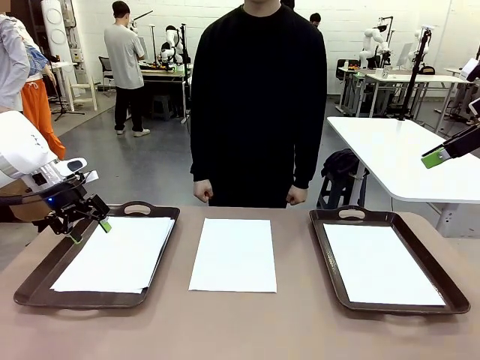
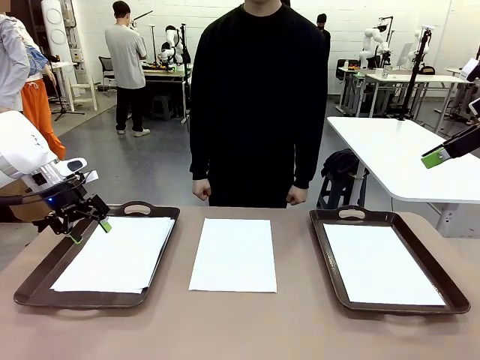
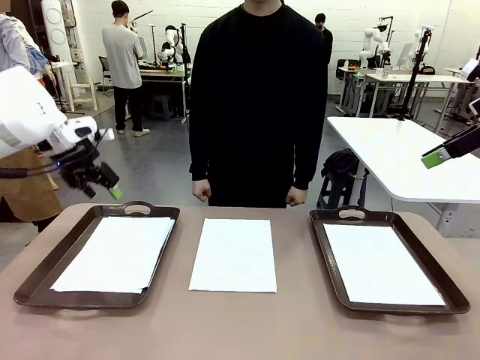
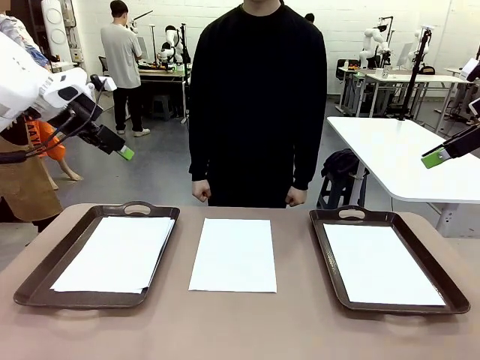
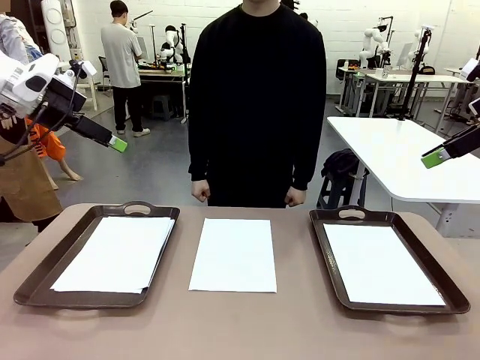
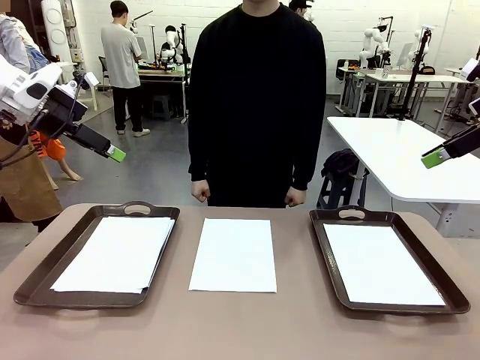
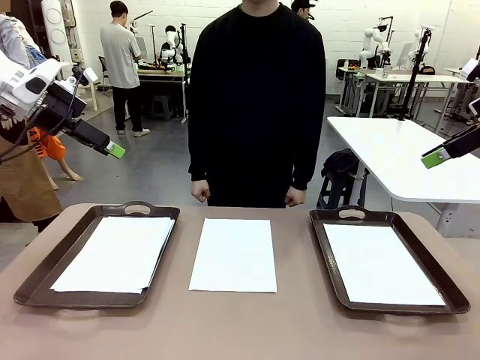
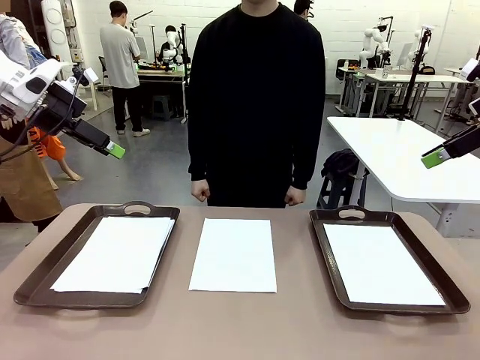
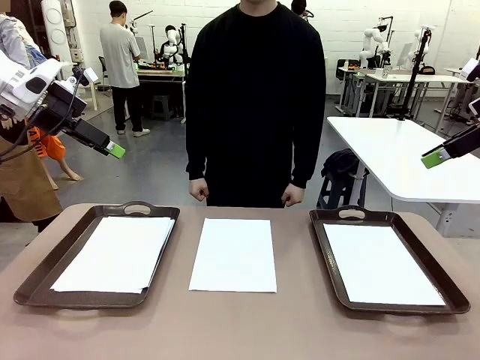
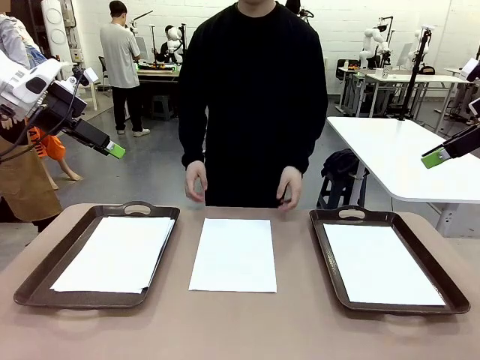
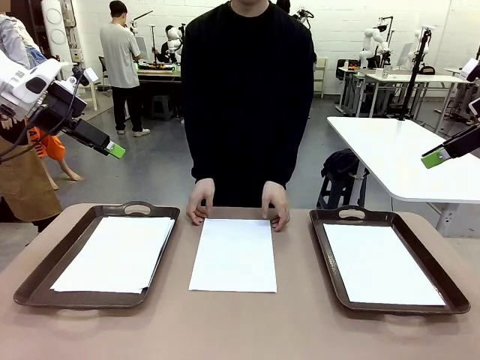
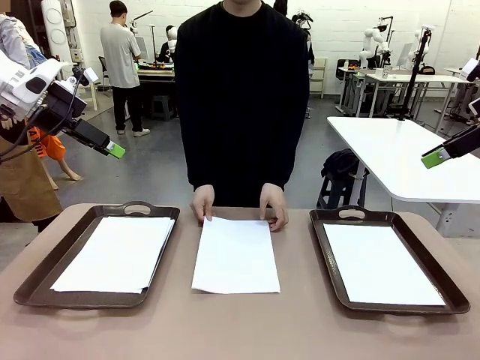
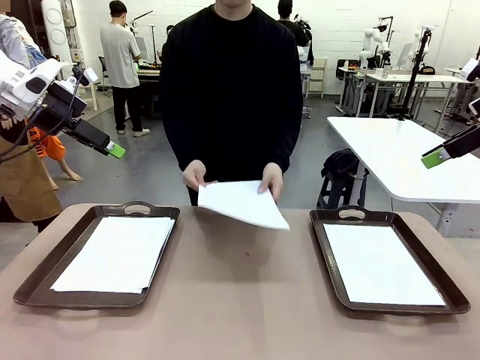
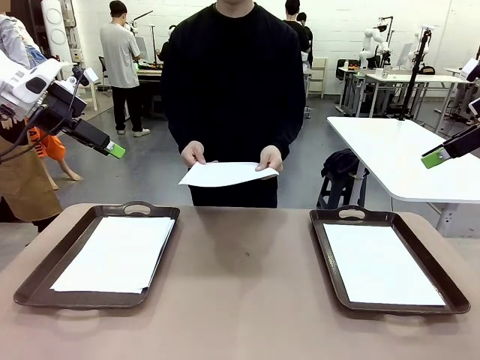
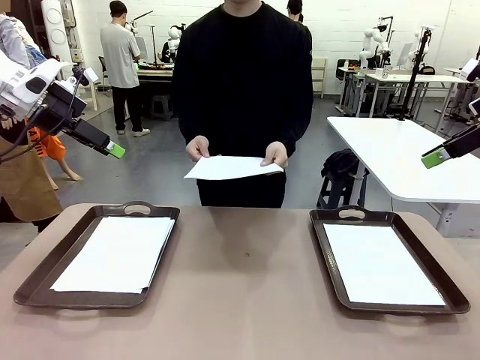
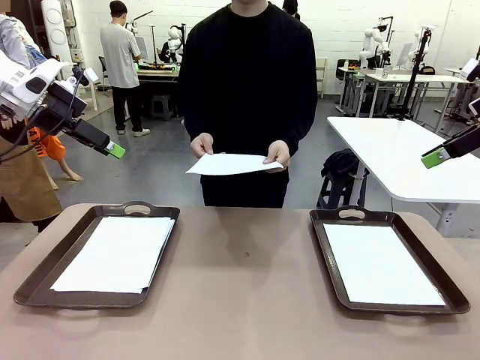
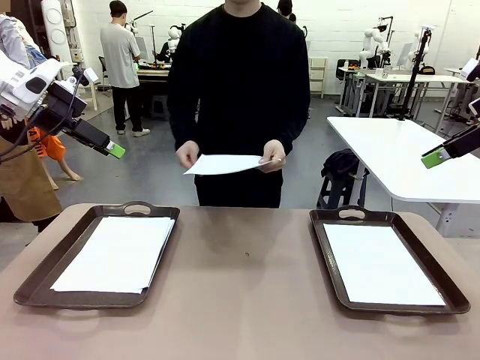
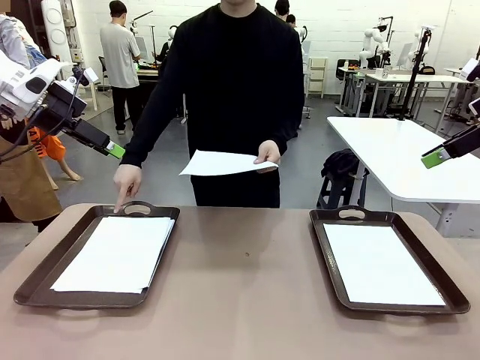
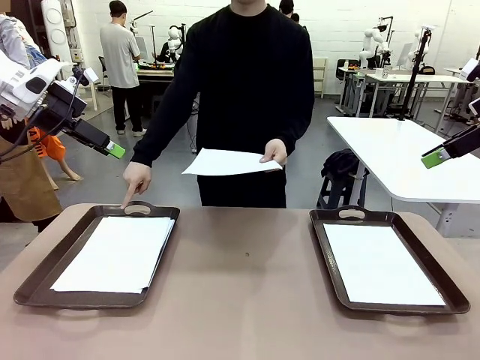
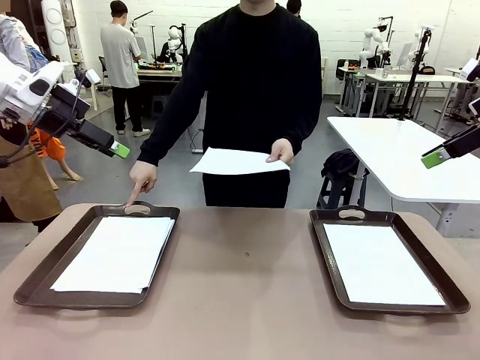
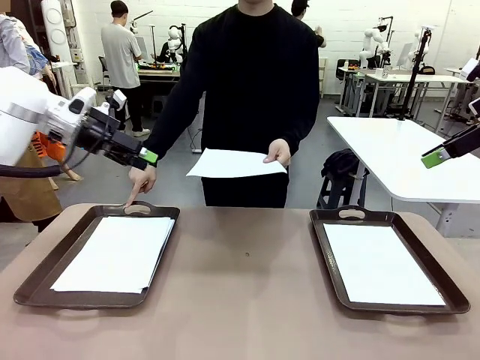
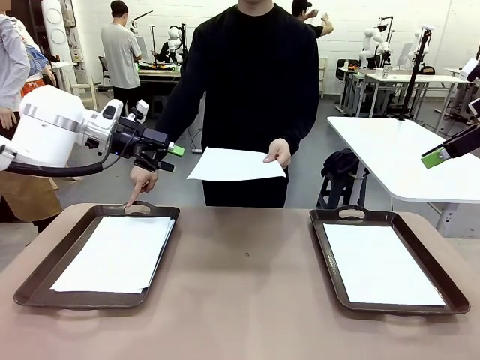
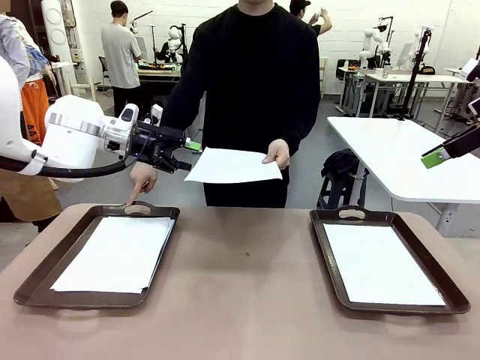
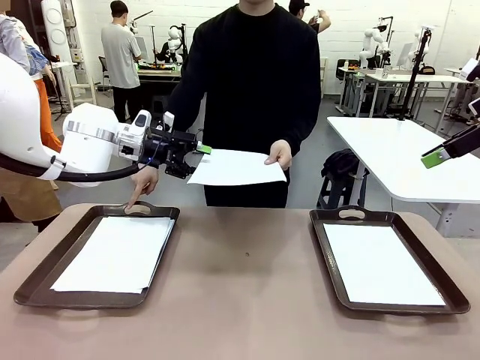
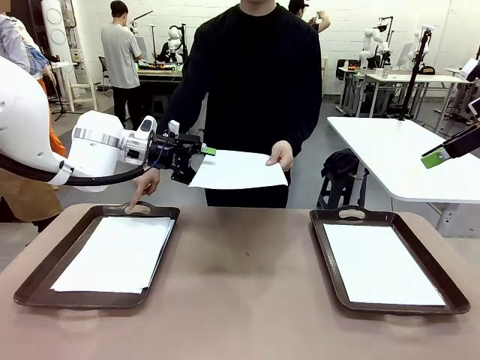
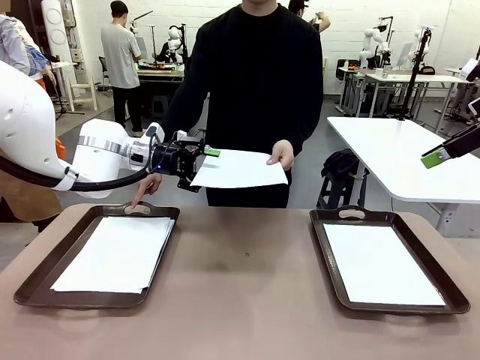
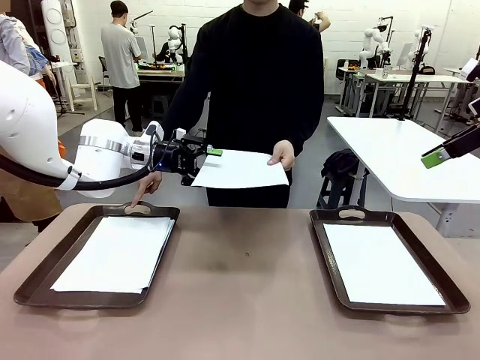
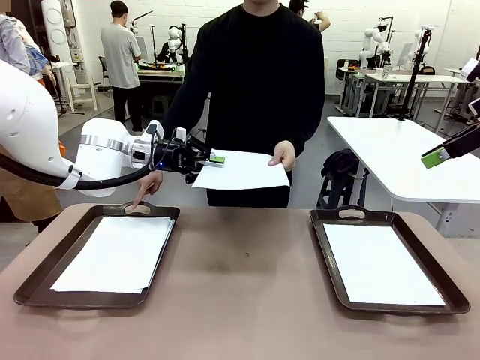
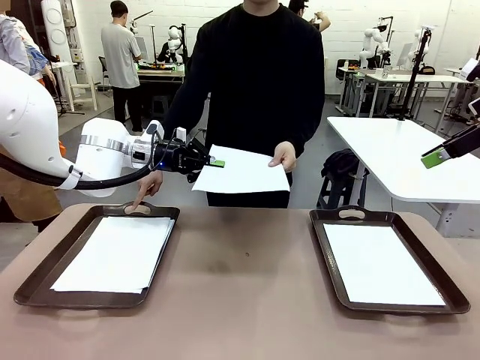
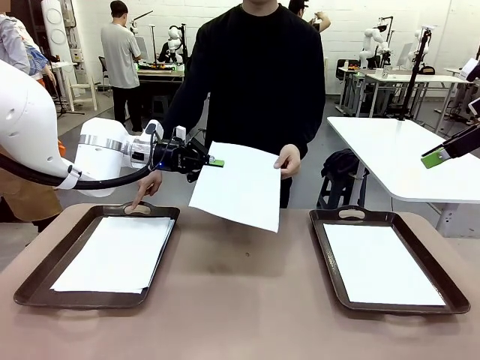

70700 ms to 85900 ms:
Task: Sort the A4 documents.
Robot: Receive the A4 Paper.

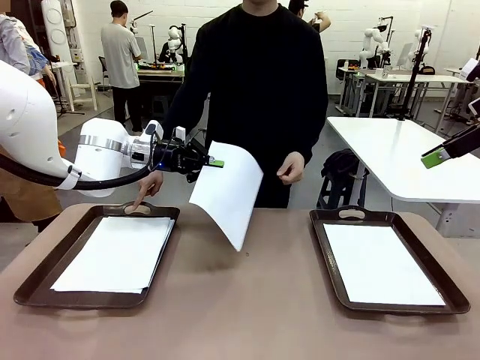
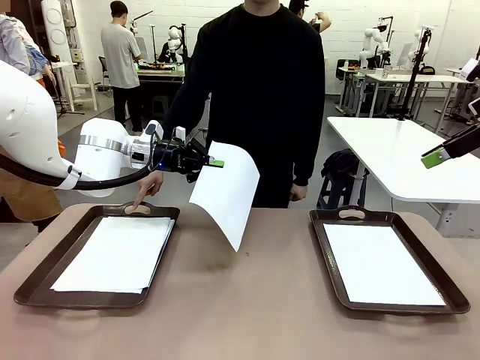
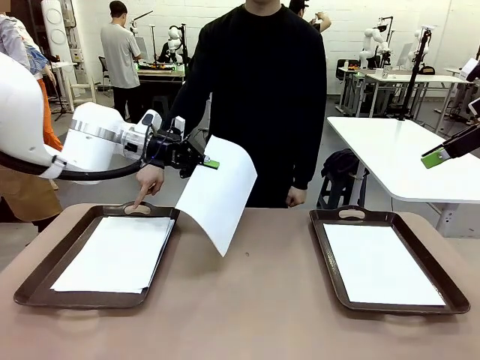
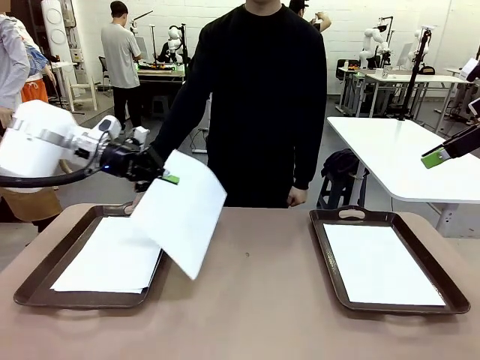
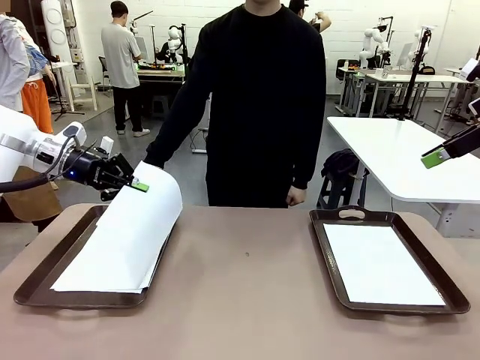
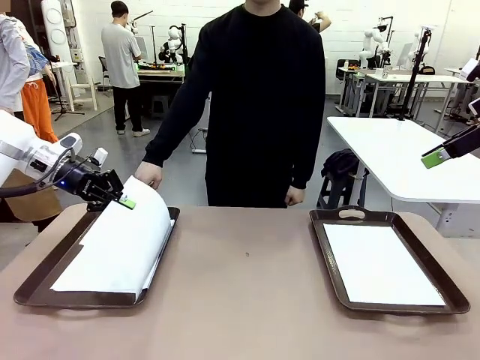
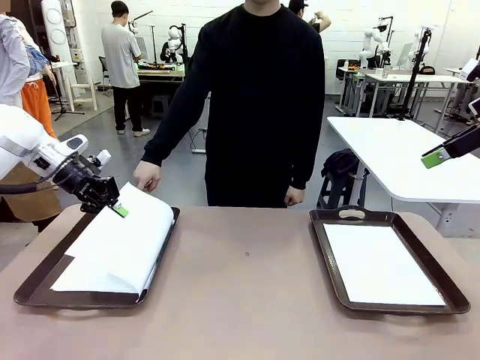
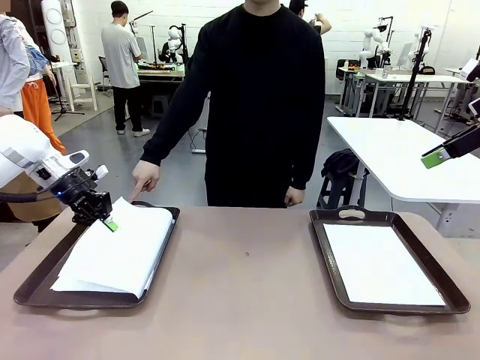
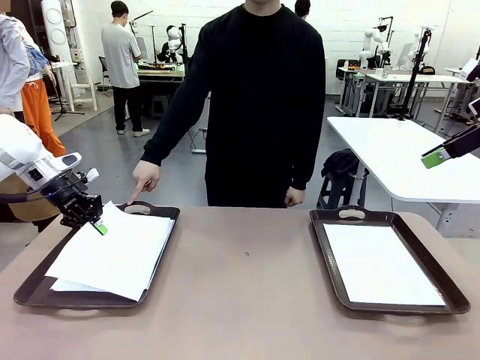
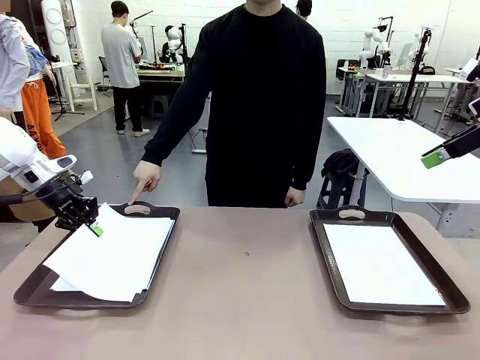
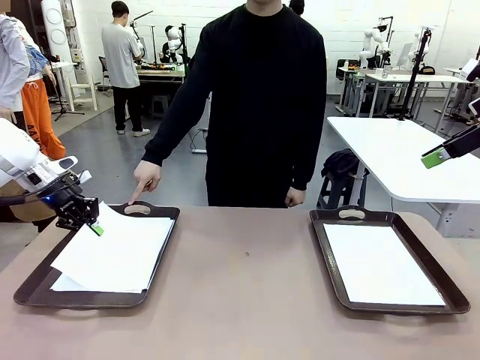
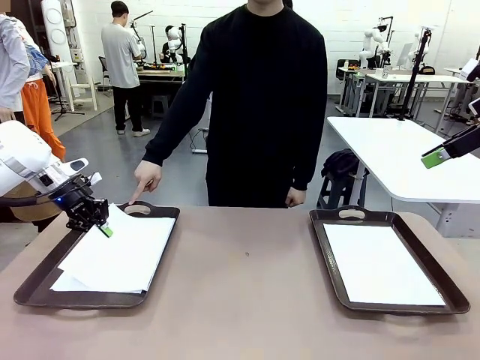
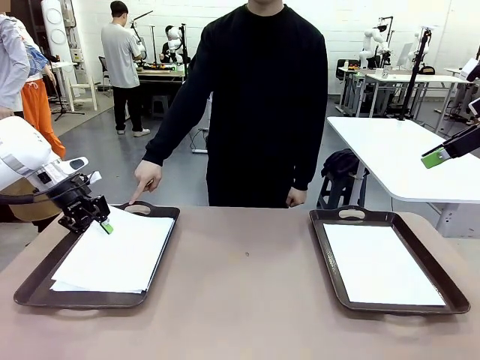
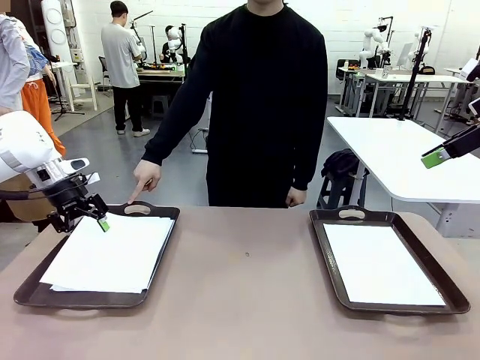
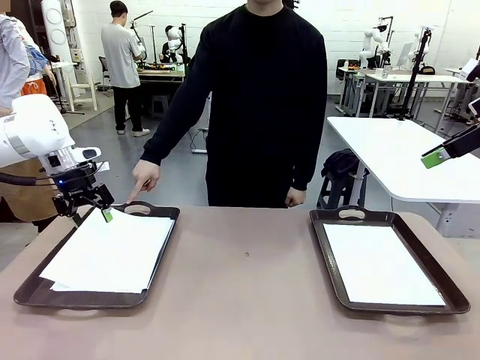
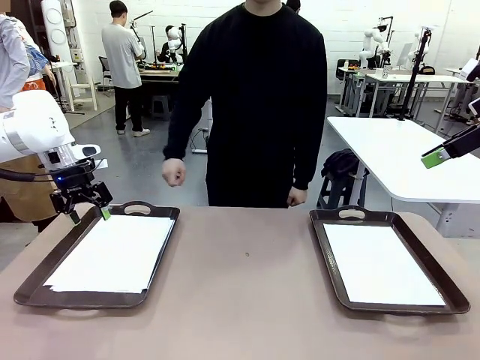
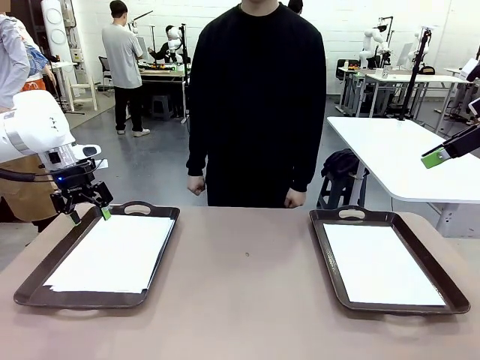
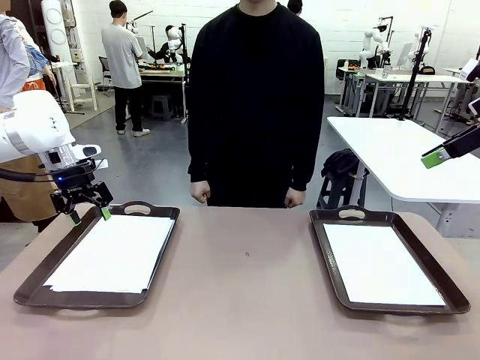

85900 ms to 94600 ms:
Robot: Place the A4 Paper in the designated Handle tray.
Person: Point the randomly selected tray with the other hand.
